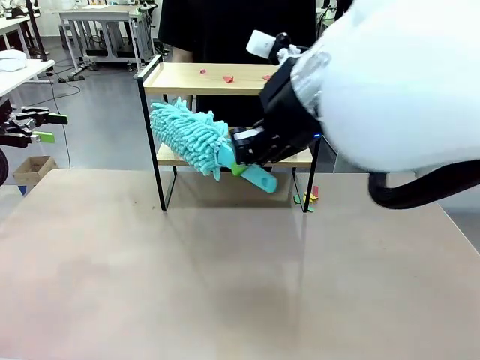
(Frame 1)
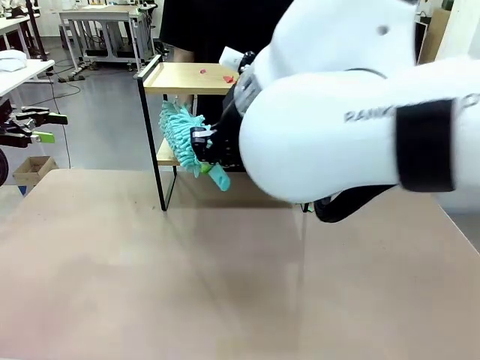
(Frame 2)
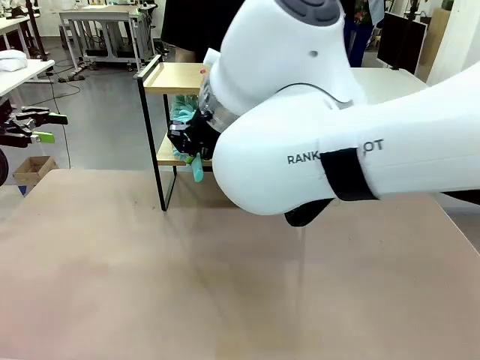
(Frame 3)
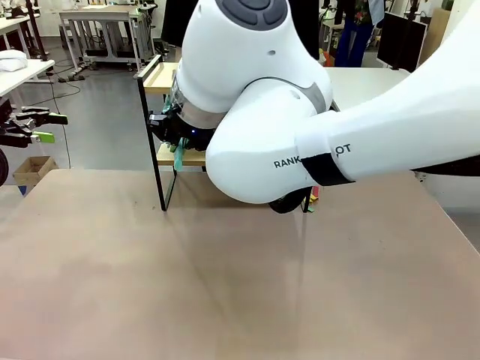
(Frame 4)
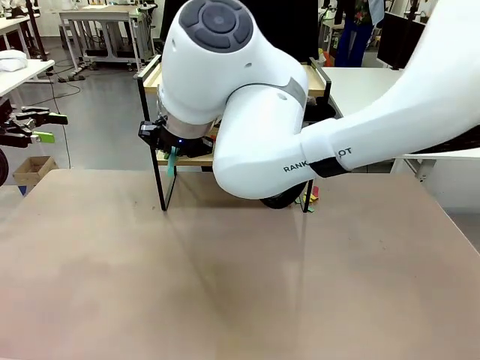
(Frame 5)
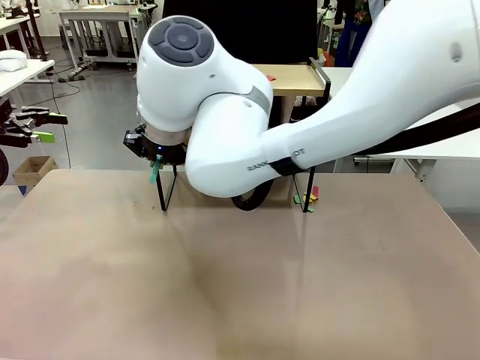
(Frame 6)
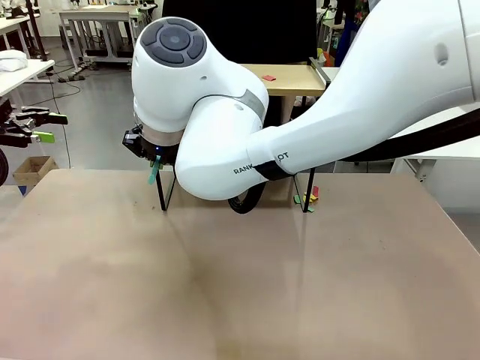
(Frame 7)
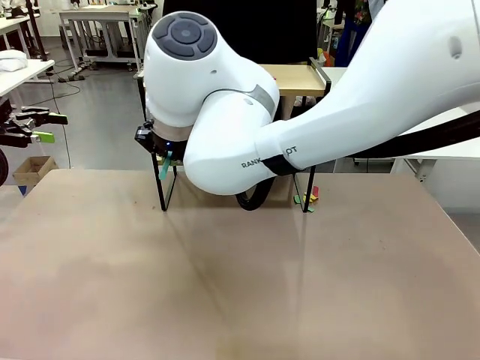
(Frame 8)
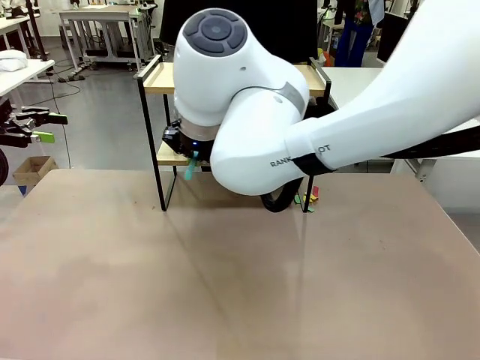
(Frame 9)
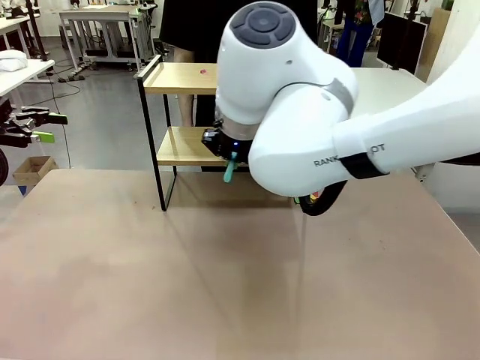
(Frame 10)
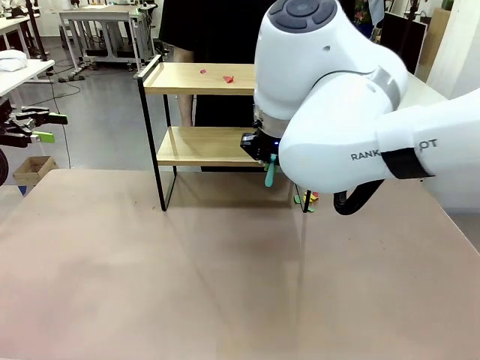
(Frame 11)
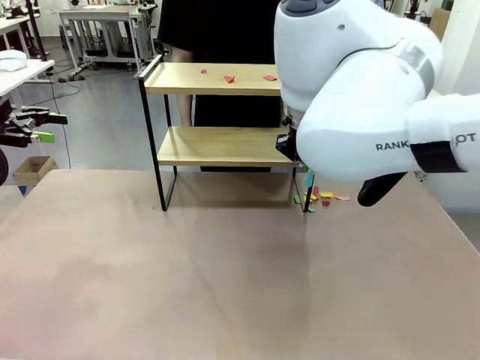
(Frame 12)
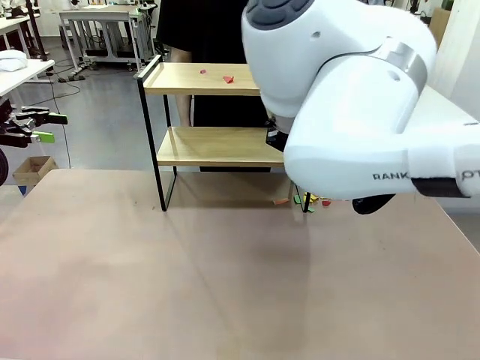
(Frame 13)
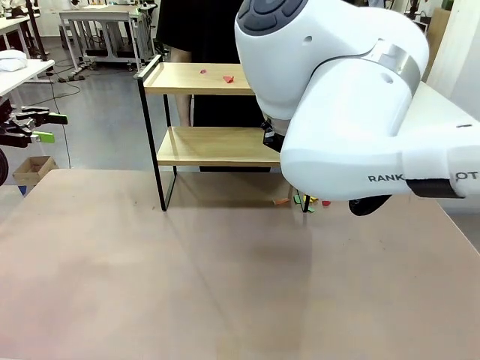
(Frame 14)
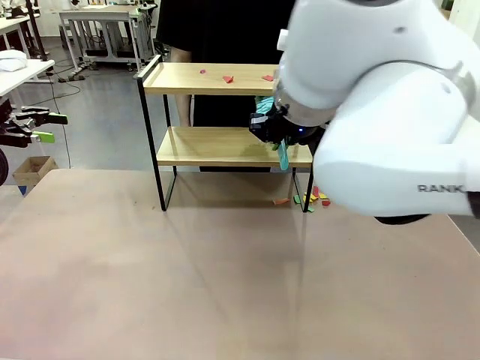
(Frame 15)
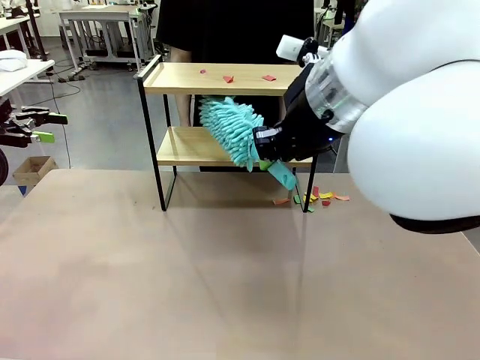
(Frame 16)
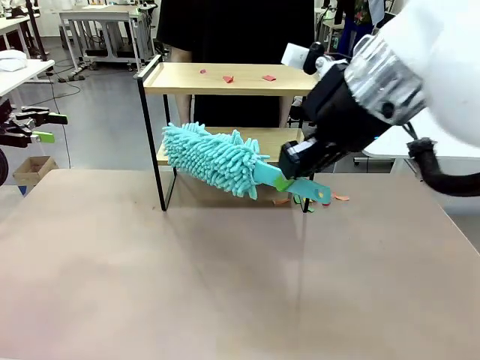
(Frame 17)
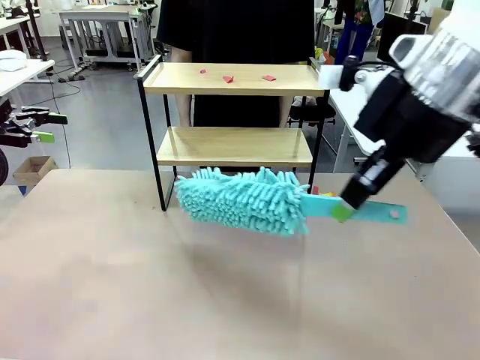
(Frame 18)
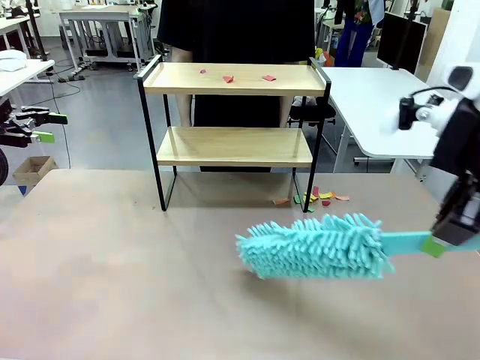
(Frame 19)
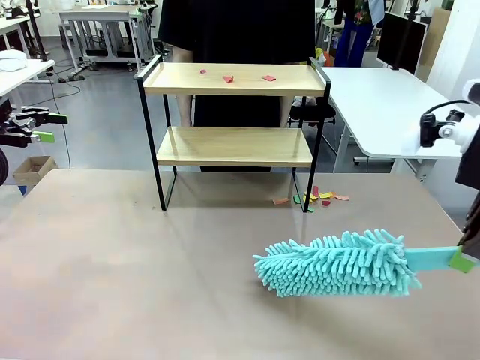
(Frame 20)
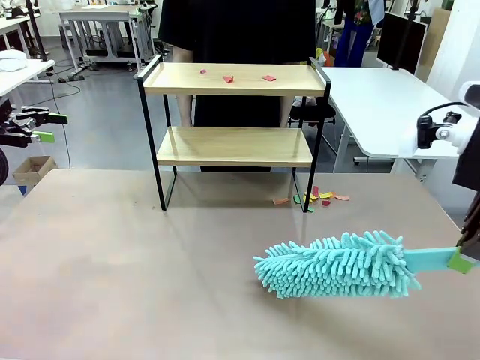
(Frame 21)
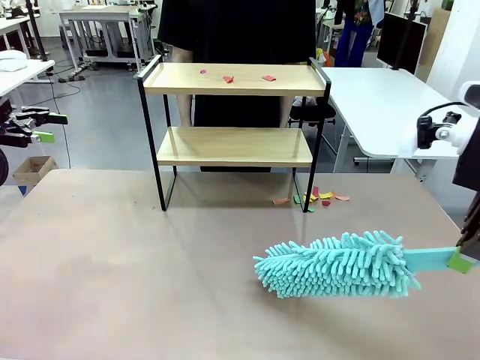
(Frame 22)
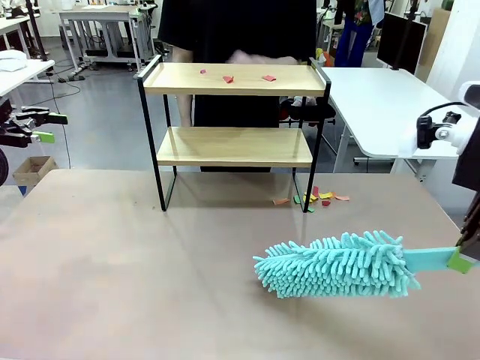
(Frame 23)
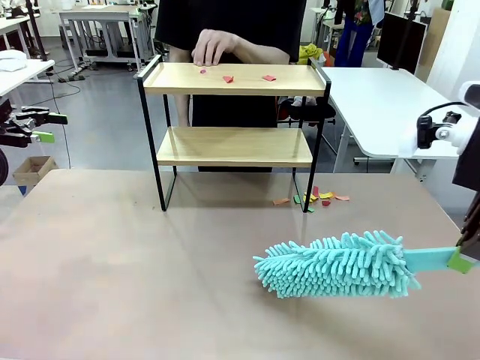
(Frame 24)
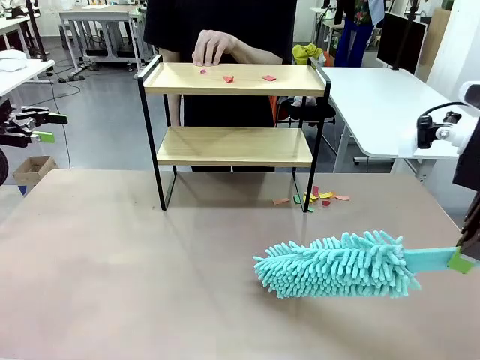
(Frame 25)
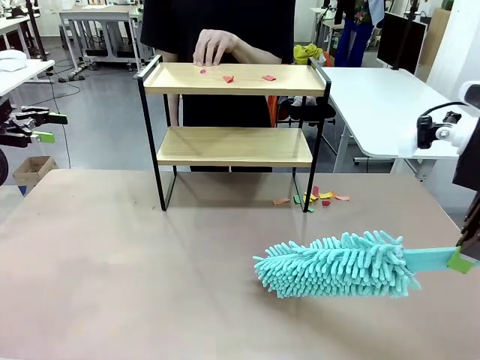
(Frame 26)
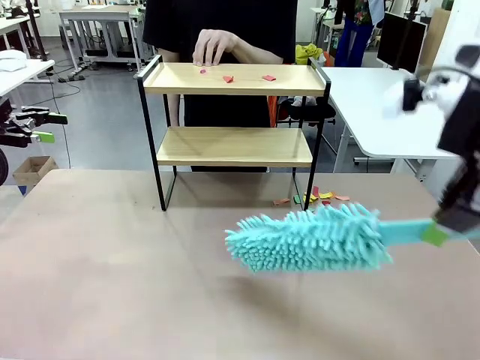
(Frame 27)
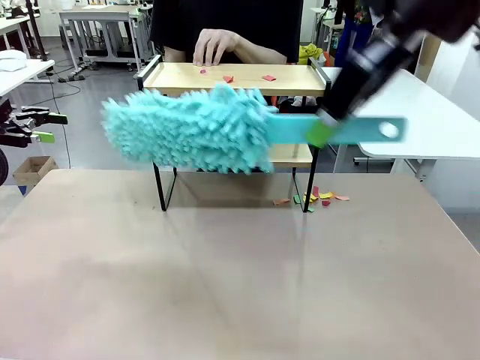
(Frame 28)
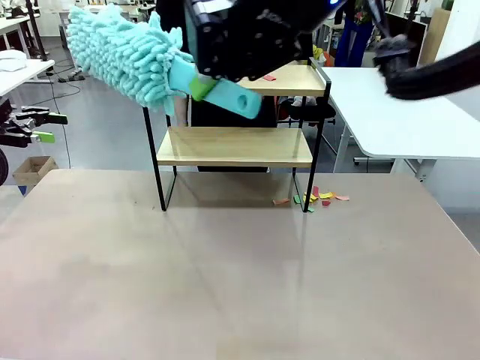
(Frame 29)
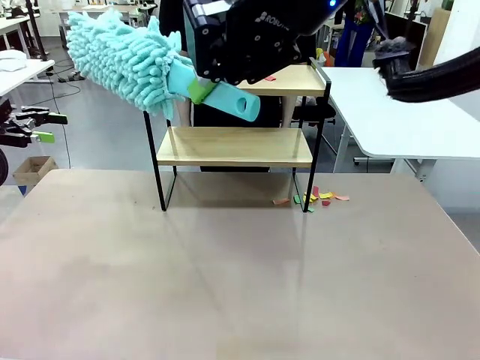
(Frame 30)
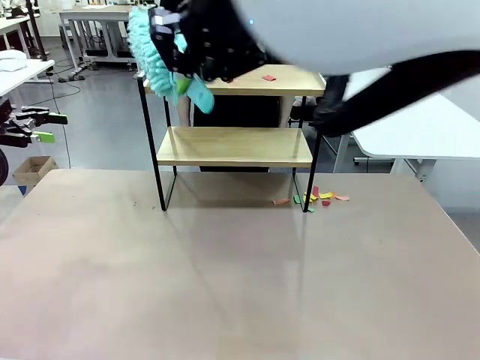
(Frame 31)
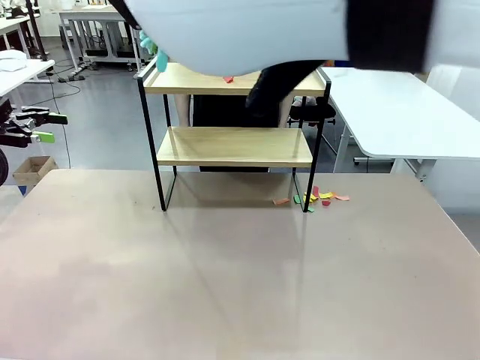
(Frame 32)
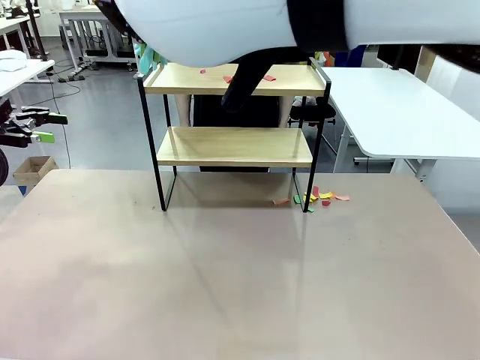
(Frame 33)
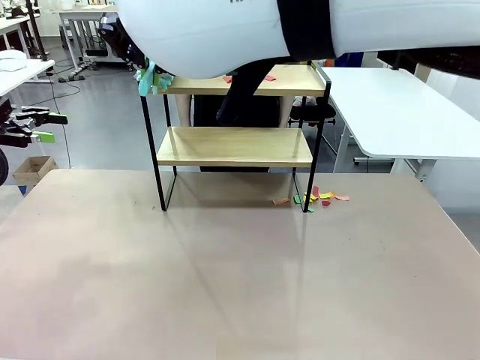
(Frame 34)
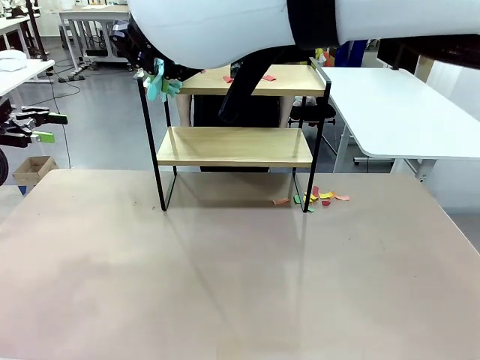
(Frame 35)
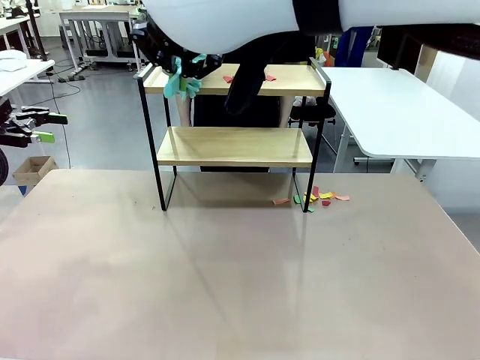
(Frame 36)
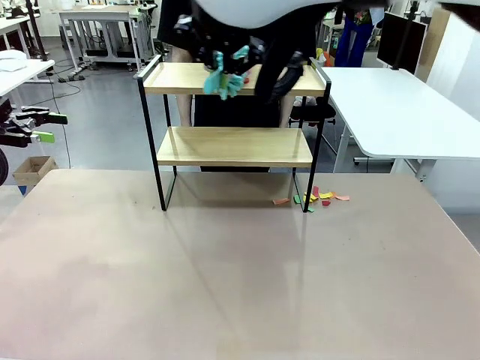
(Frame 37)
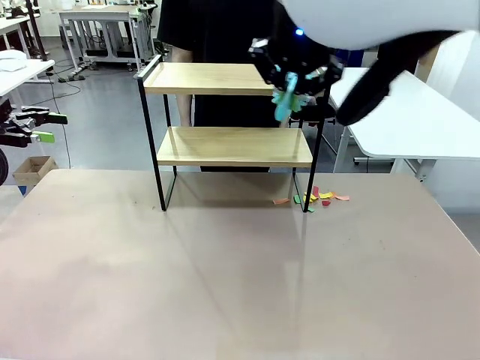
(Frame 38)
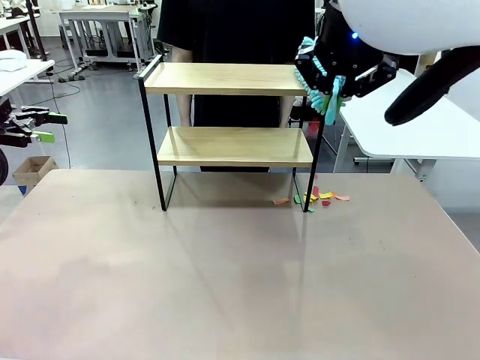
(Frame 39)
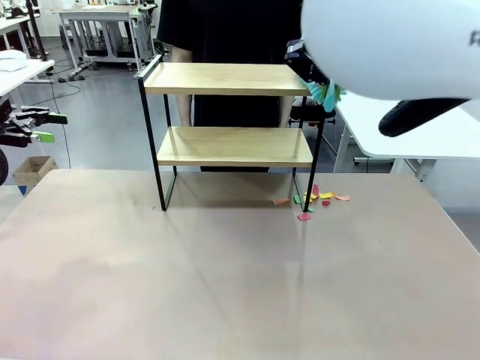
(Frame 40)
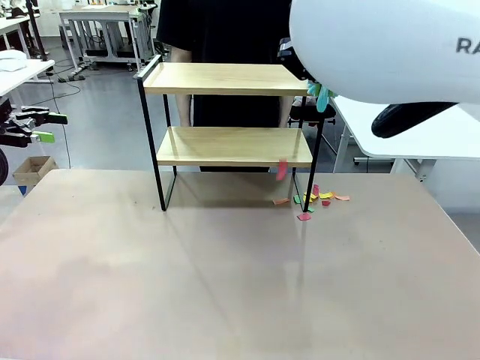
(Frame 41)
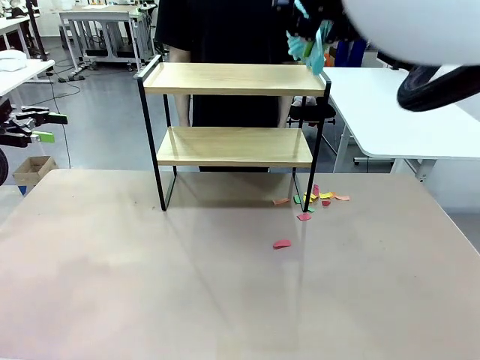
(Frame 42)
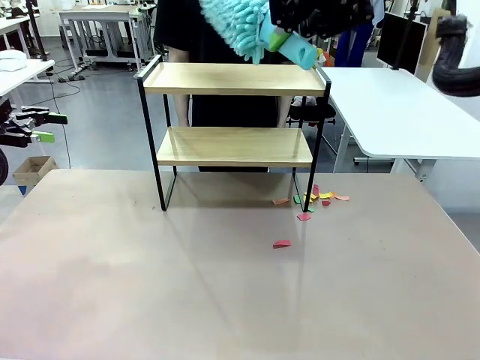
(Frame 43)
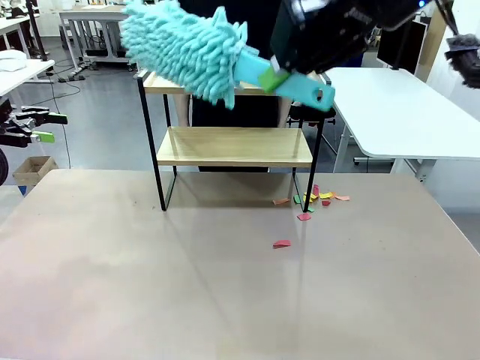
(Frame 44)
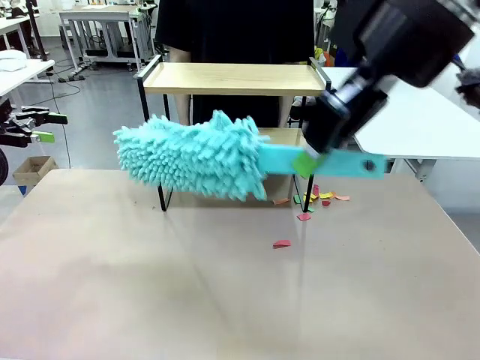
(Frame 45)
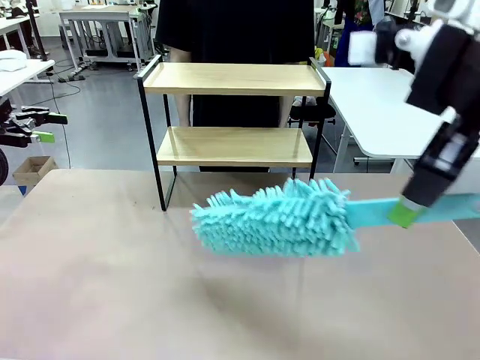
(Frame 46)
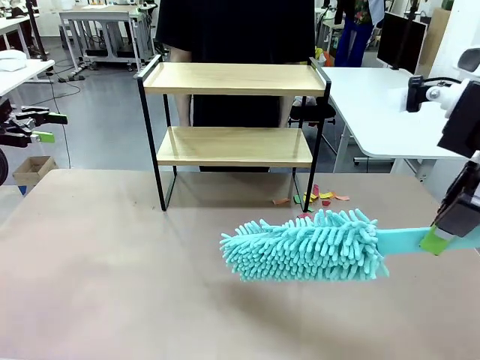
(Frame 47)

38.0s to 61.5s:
Task: Clean the shelf.
Robot: Clean the specific section of the Shelf indicated by the human with the Duster.
Person: Point a remaining section of the Shelf.
